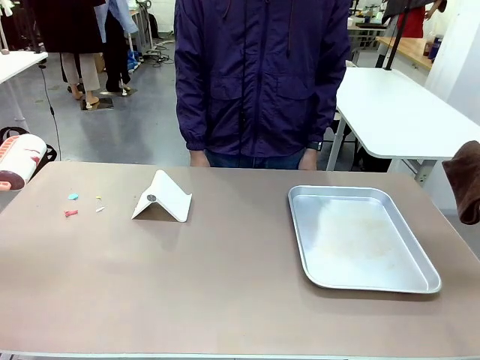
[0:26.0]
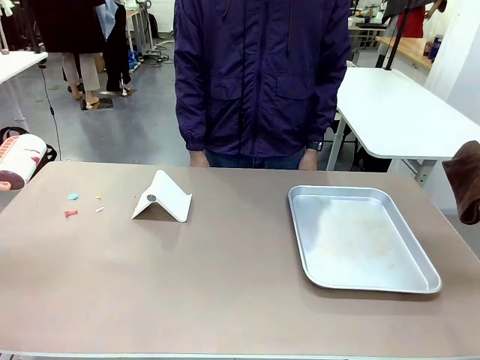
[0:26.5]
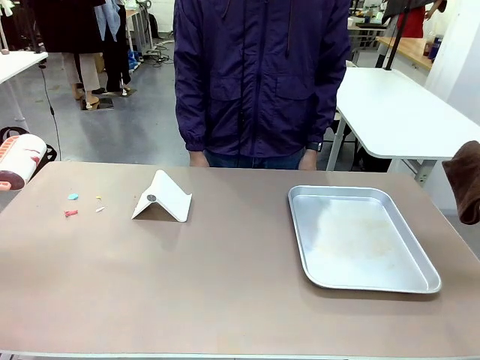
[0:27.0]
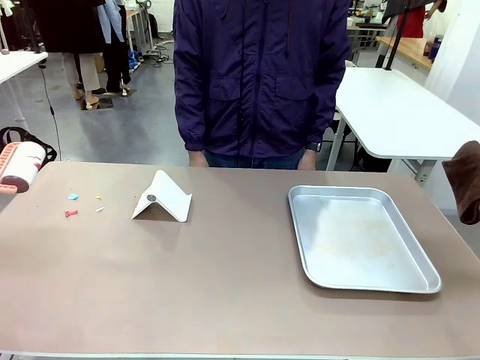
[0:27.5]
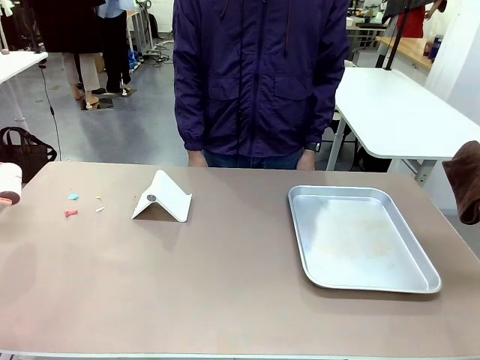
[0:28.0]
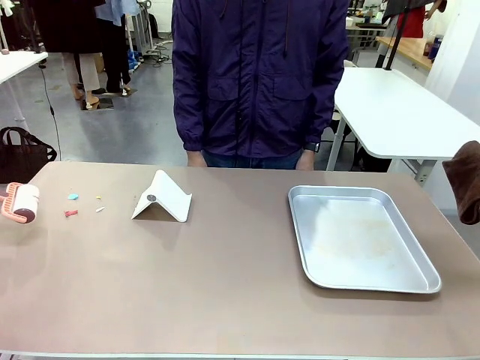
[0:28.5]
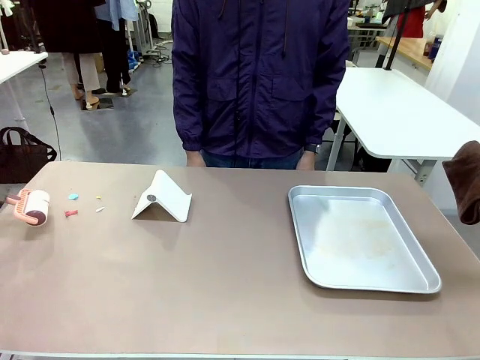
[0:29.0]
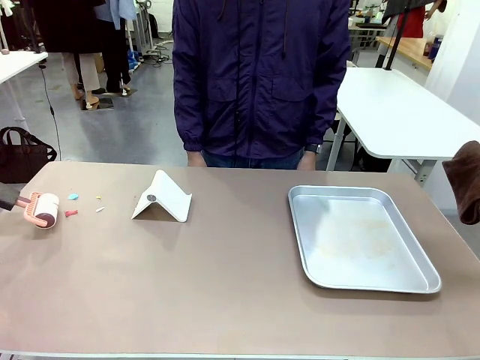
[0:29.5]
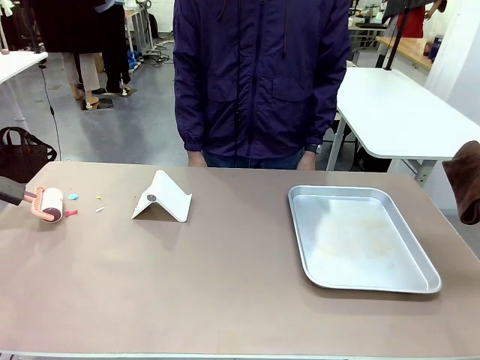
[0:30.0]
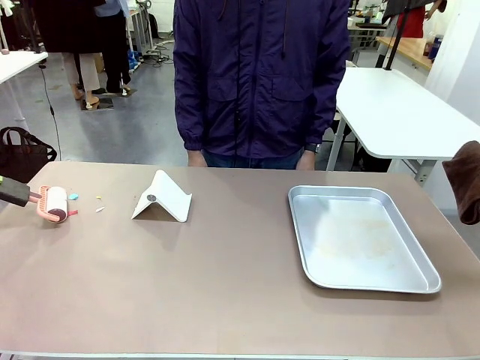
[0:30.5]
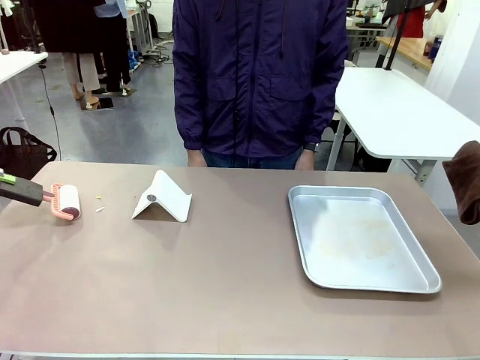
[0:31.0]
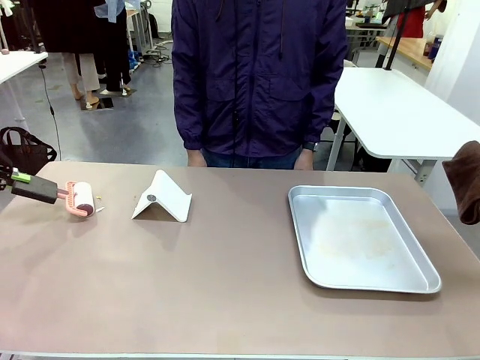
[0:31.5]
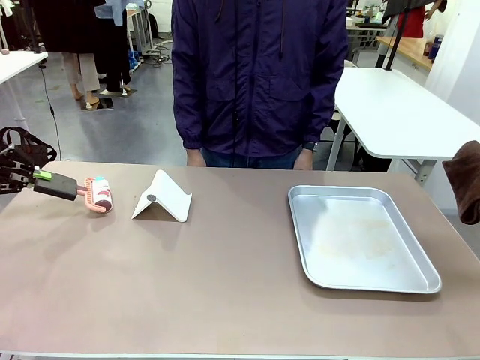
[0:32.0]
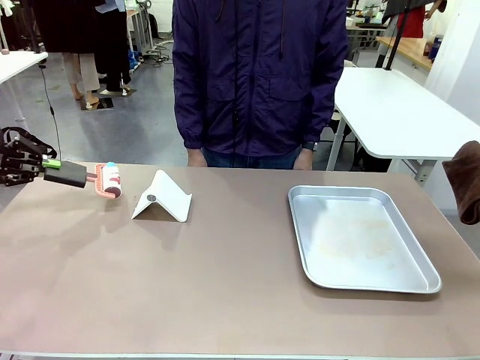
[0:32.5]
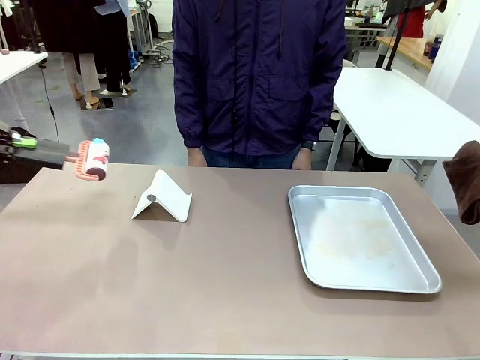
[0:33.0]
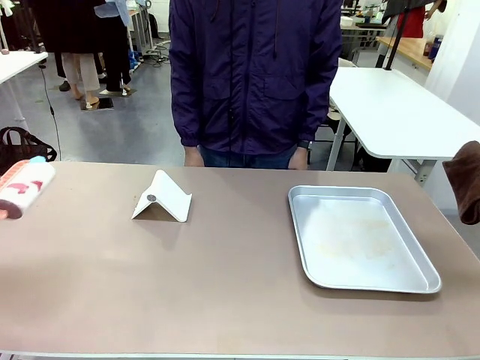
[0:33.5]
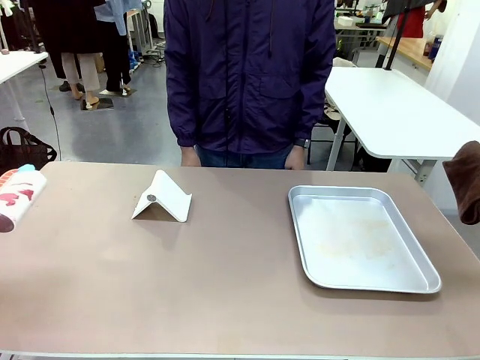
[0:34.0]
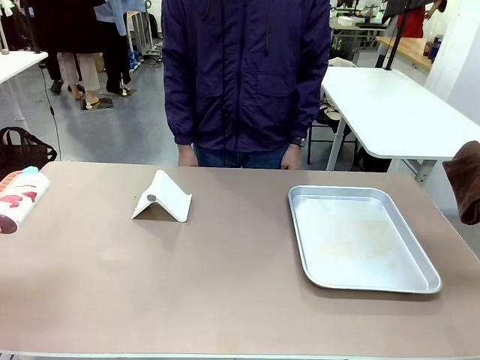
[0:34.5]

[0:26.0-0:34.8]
Task: Clean the surface of the table.
Robot: Clean the area not pointed to by the person.

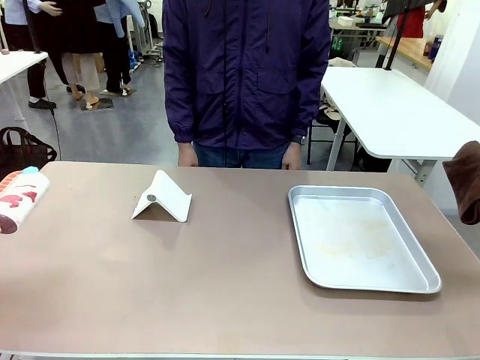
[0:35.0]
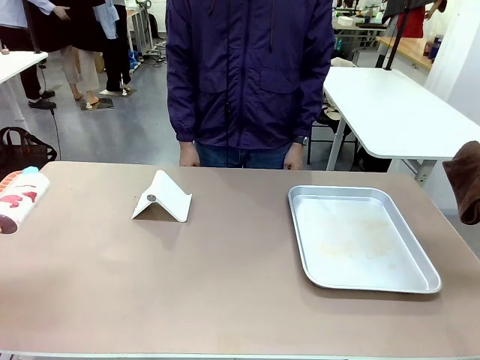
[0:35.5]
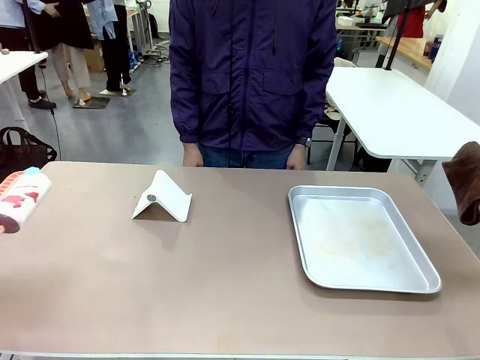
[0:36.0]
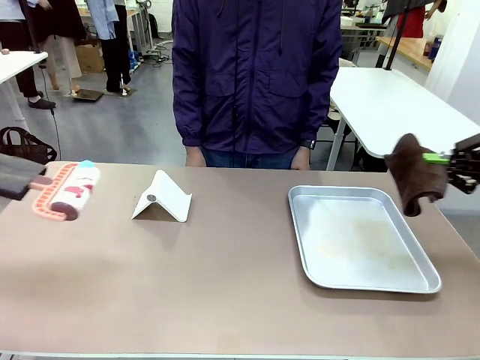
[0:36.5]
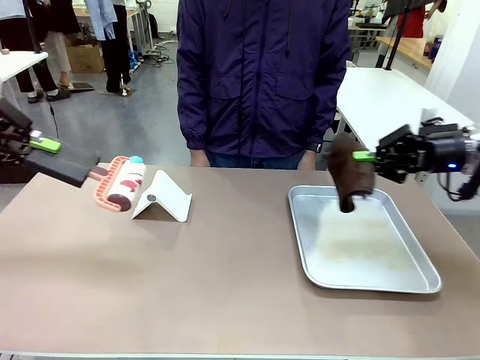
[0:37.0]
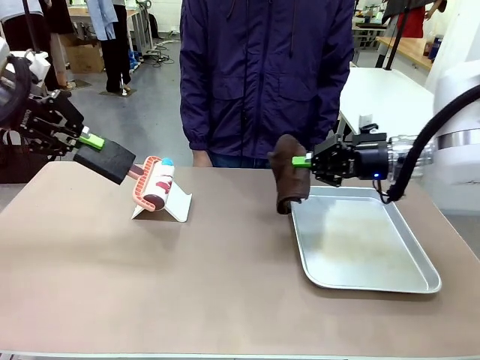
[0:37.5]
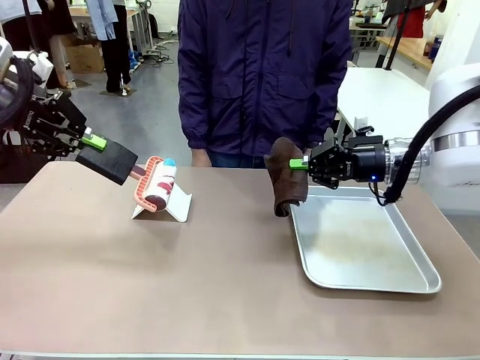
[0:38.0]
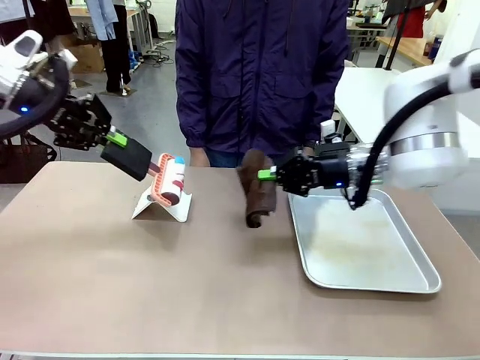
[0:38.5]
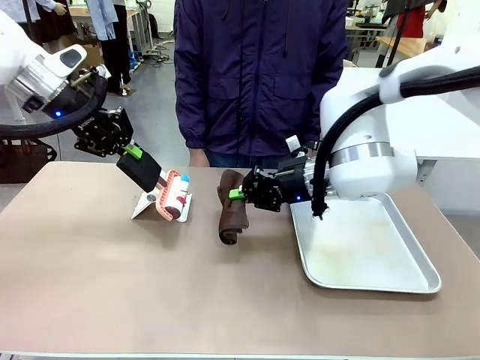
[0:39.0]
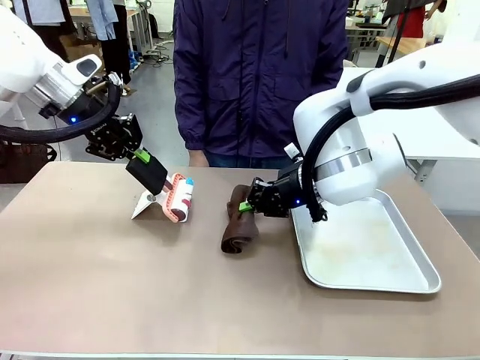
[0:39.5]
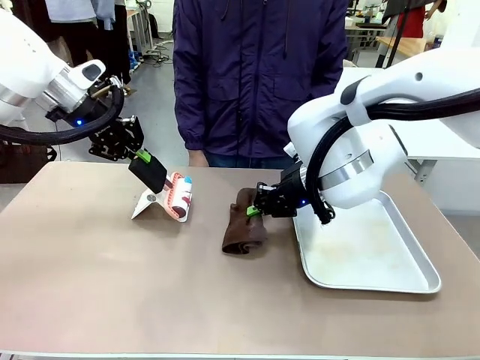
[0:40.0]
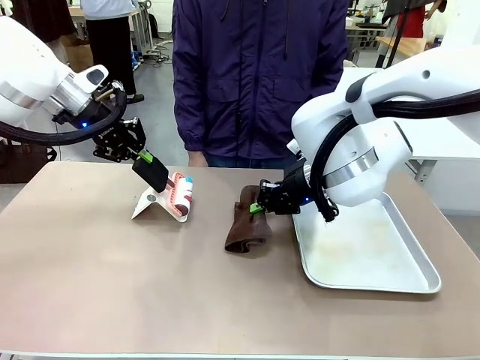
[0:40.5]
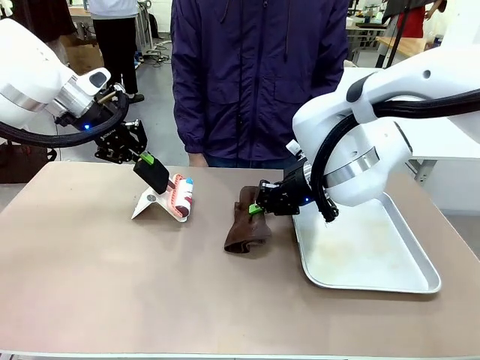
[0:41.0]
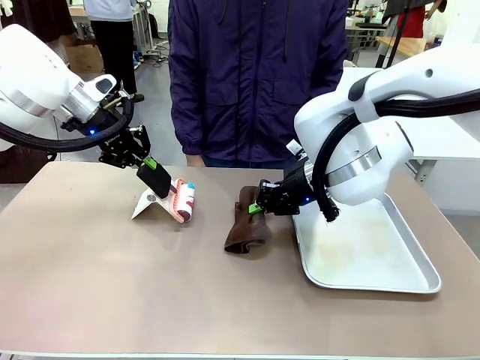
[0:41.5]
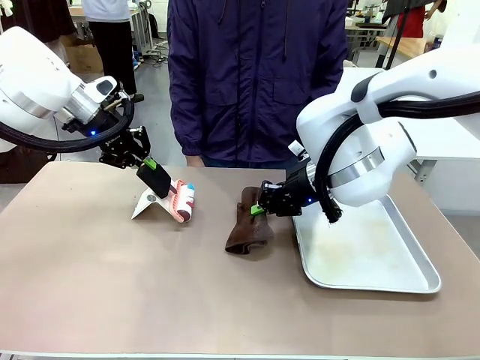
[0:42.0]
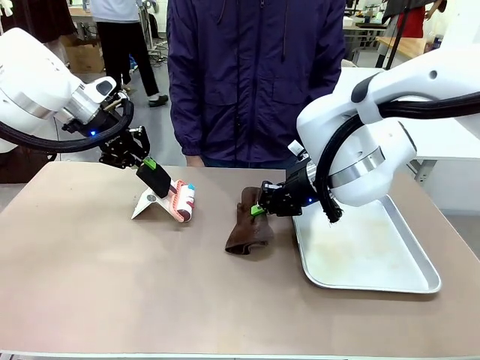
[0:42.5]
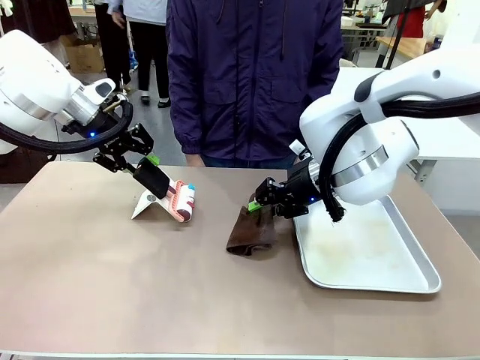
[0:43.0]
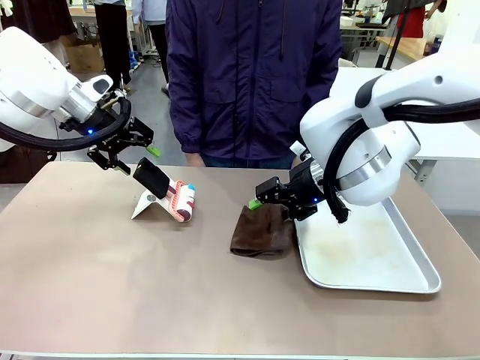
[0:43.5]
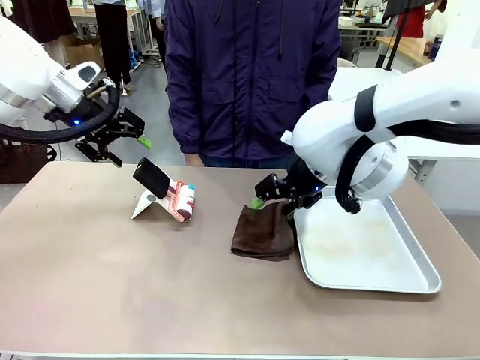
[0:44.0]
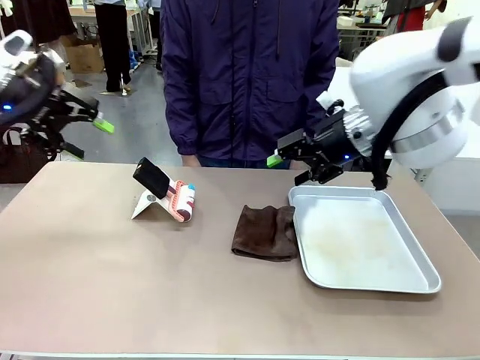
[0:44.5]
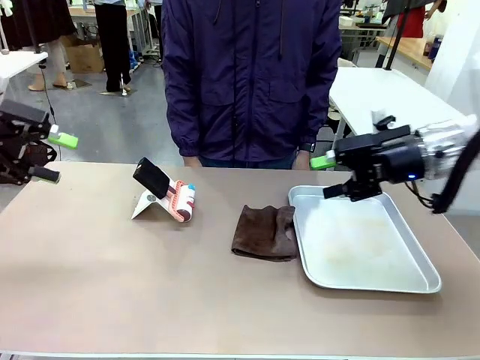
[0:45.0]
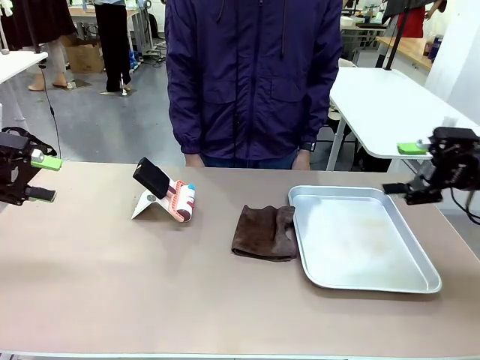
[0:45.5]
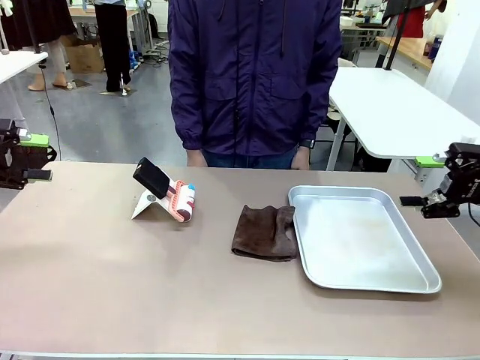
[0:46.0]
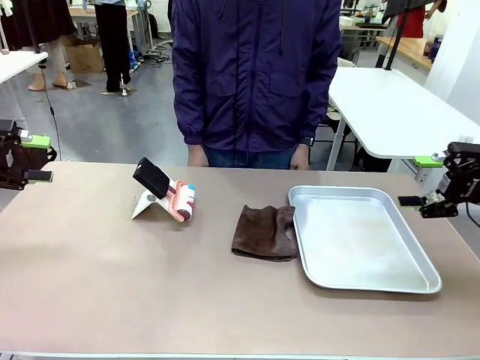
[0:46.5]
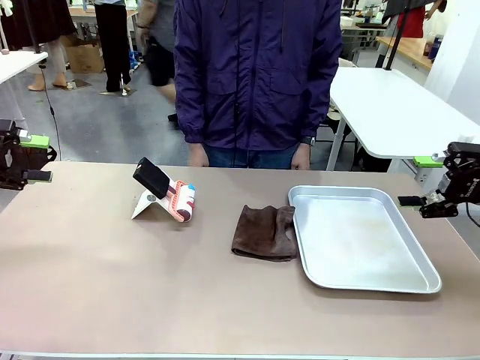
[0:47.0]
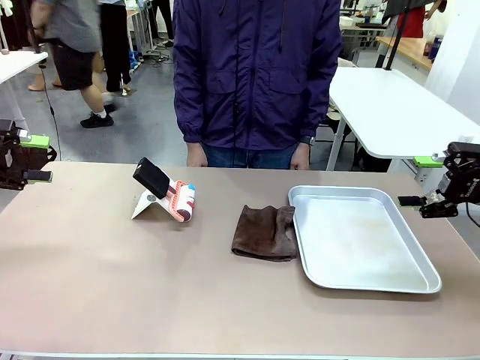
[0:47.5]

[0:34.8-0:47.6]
Robot: Return the Lint Roller and towel to their original positions.

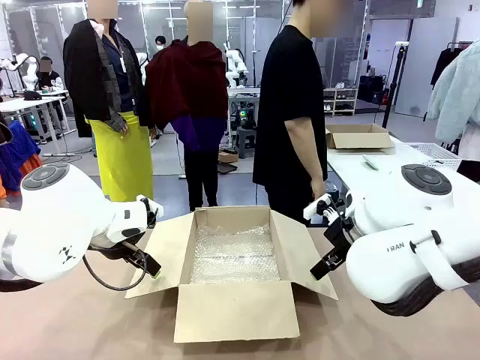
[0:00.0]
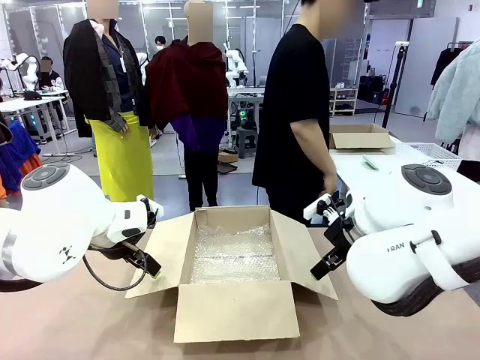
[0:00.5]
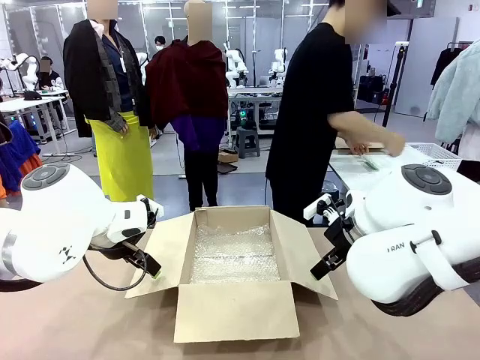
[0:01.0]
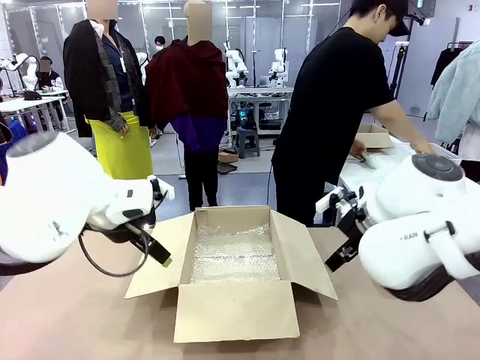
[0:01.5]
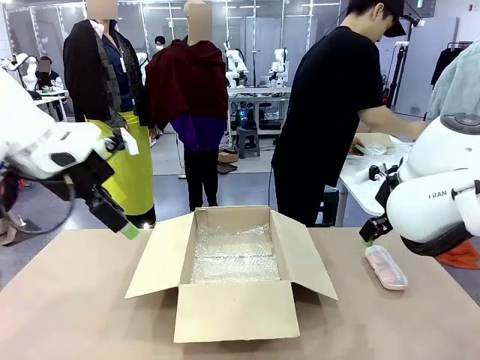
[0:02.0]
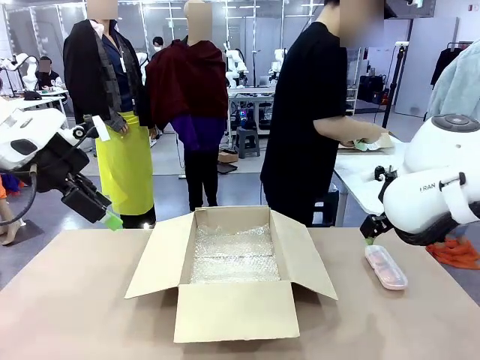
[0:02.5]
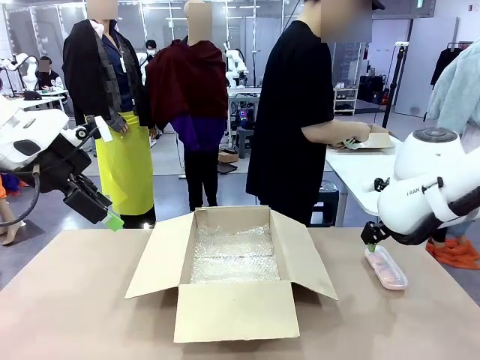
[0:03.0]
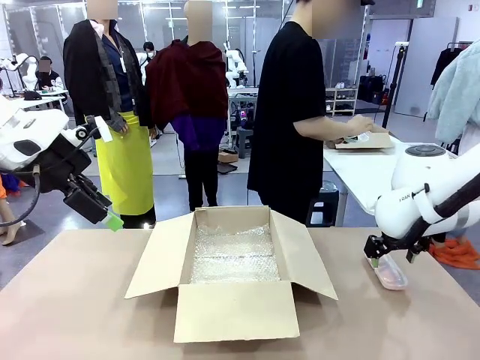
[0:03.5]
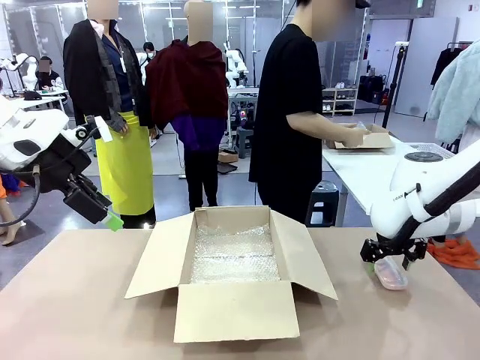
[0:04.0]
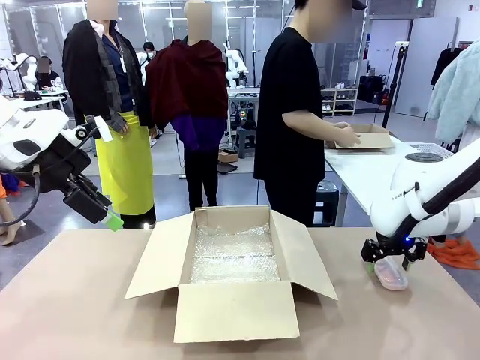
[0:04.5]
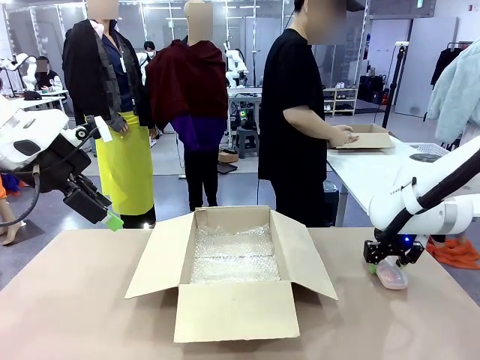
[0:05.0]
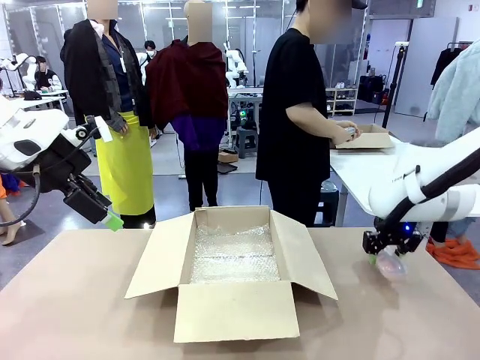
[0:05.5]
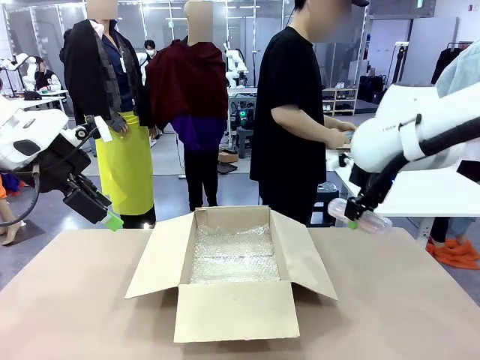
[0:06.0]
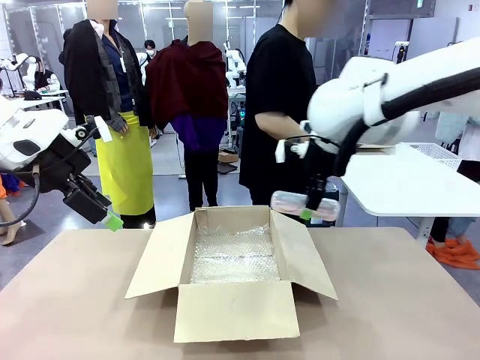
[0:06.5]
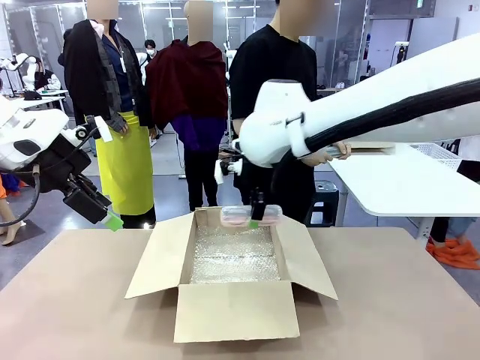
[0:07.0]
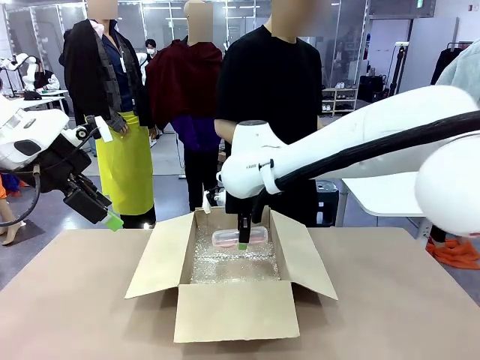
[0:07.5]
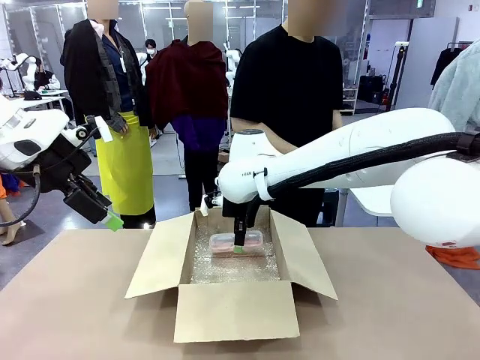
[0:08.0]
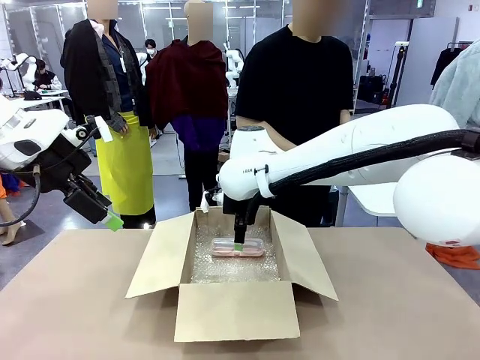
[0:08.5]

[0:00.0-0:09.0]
Task: Pack the glasses set securely to prepare it for shipping.
Robot: Place the Glasses case inside the Package Box.
Person: Place the Glasses inside the Glasses case.
